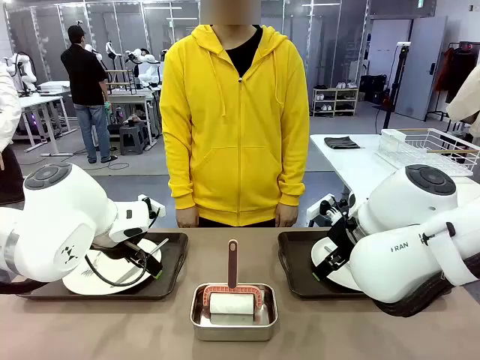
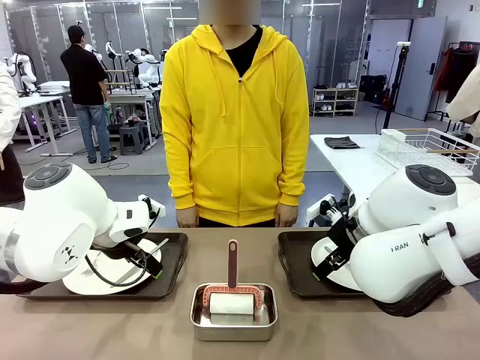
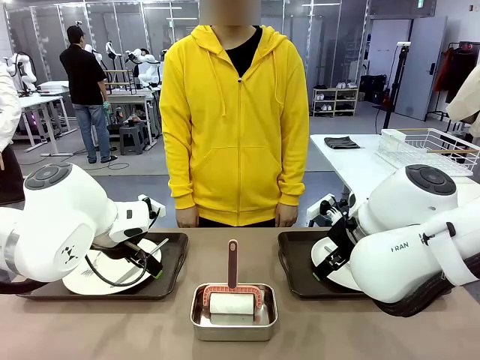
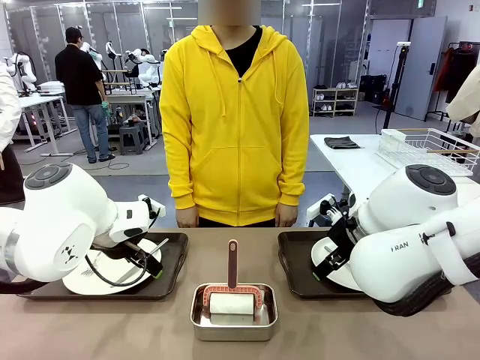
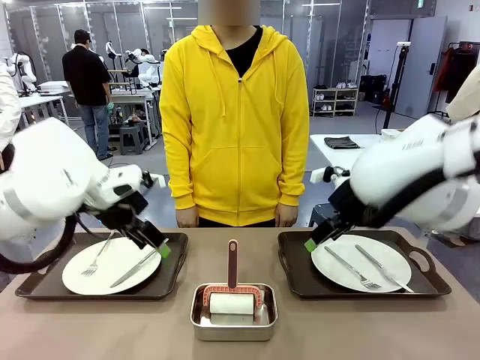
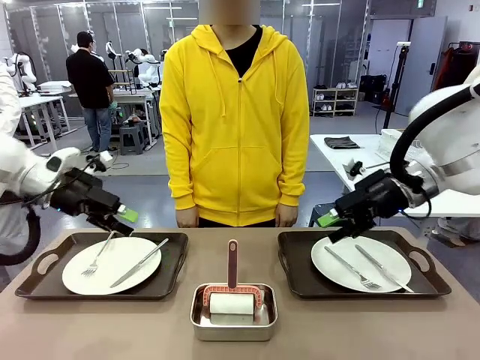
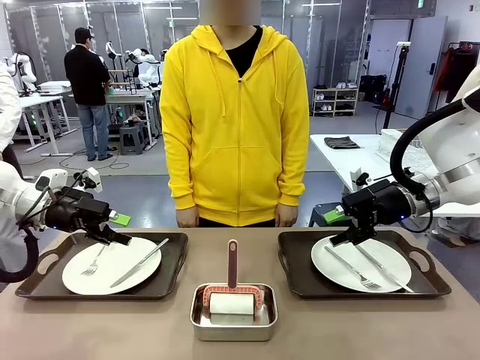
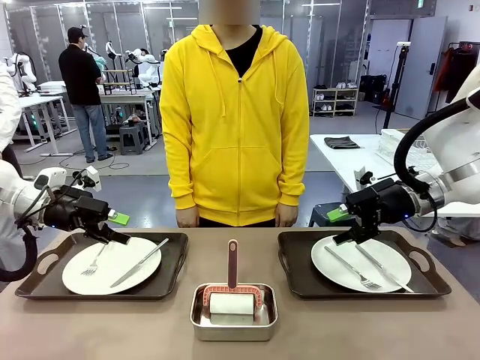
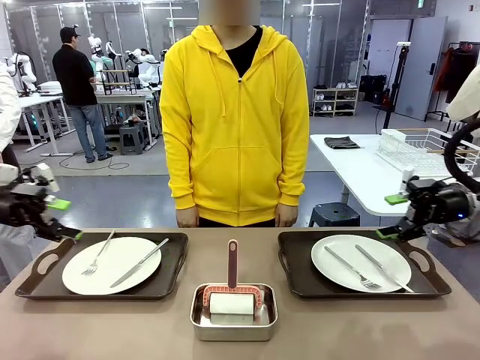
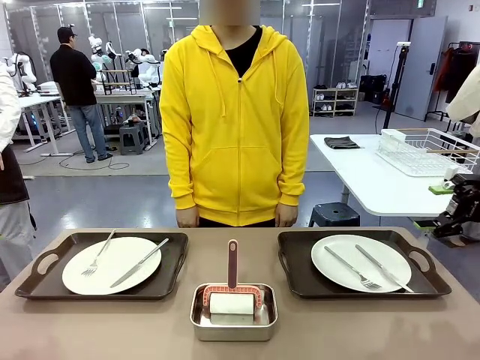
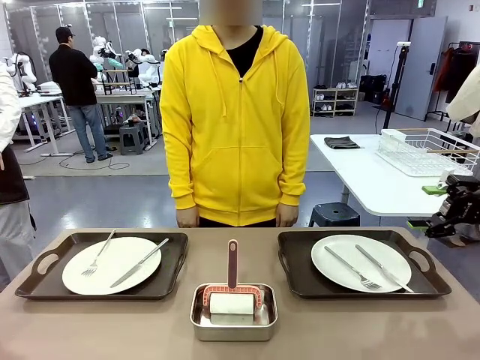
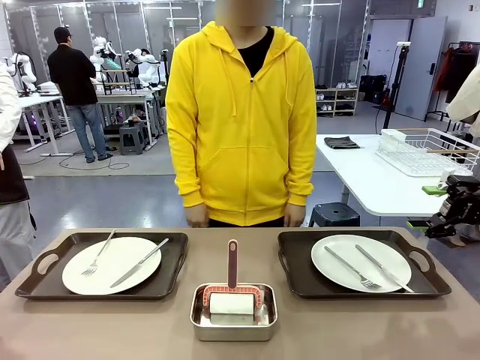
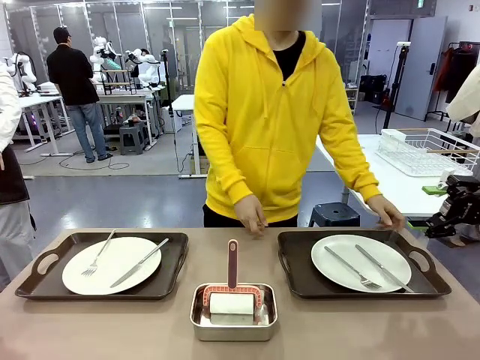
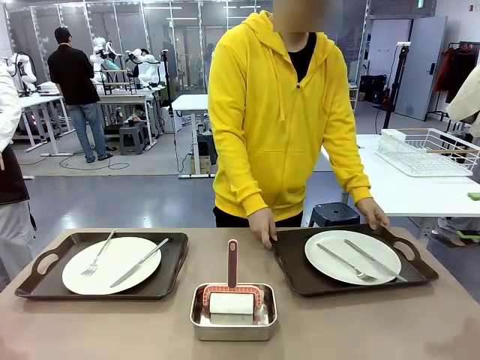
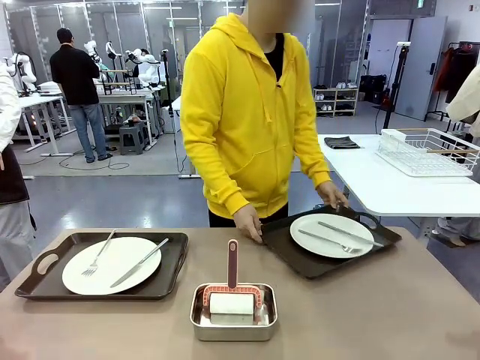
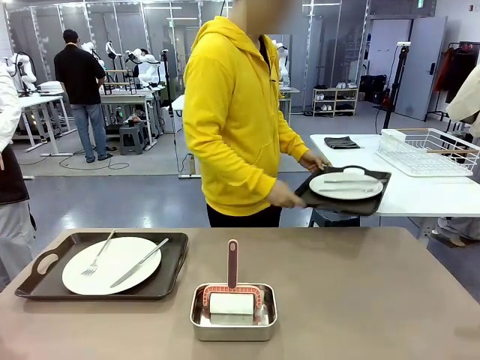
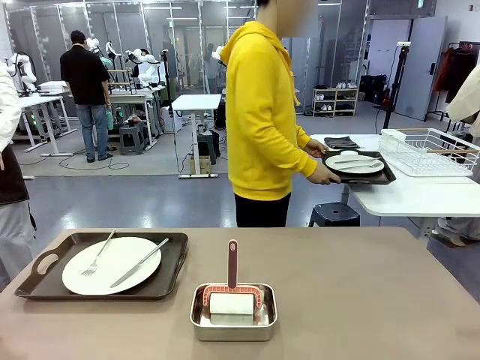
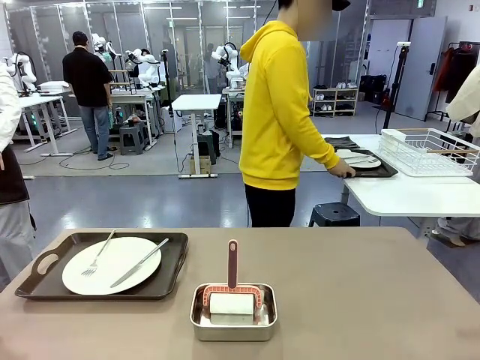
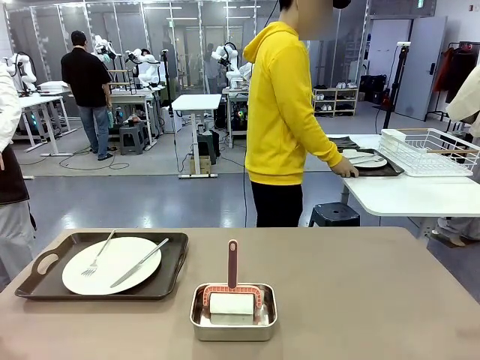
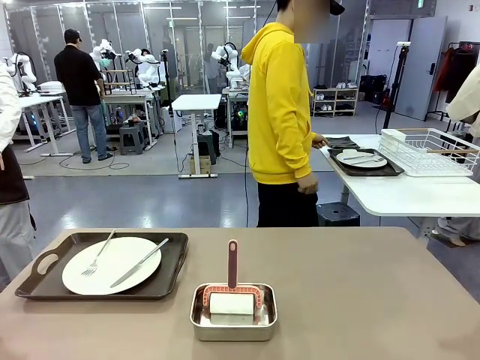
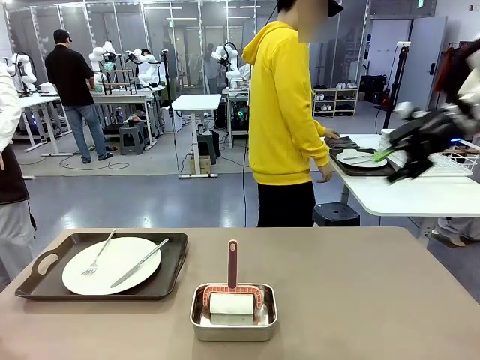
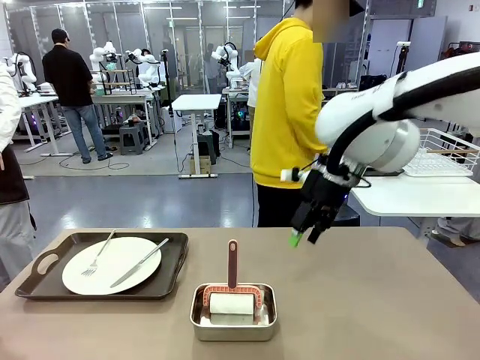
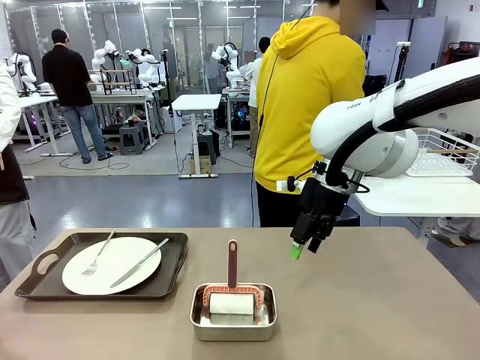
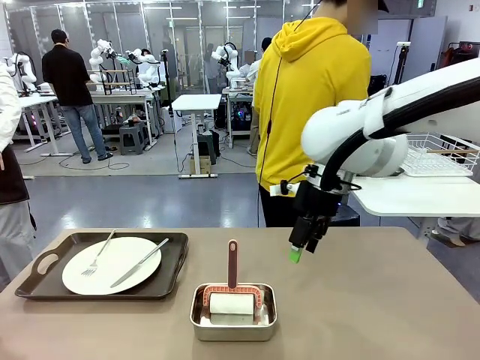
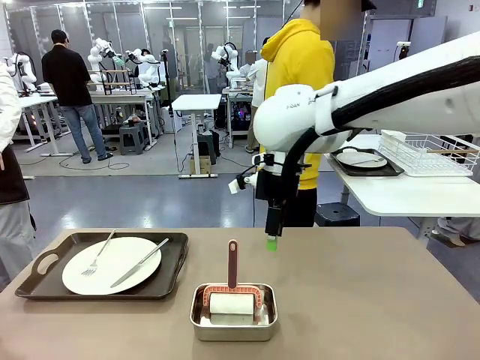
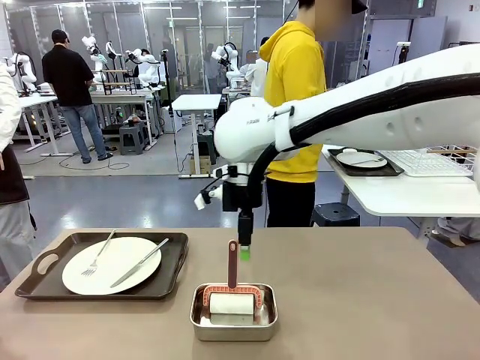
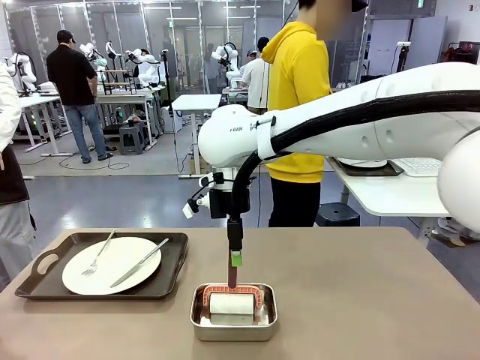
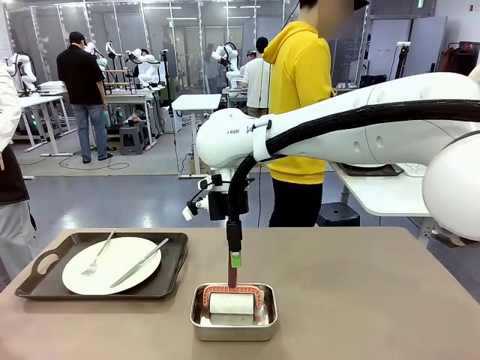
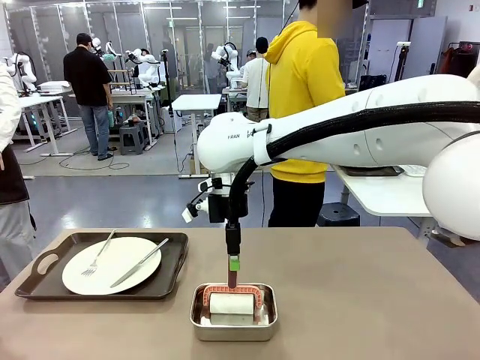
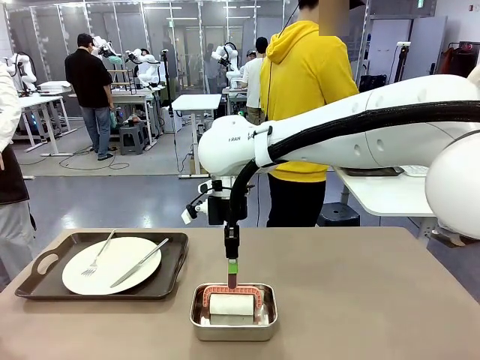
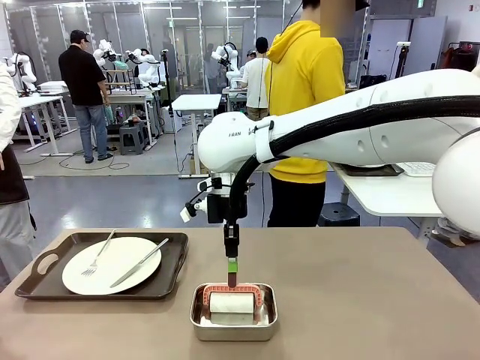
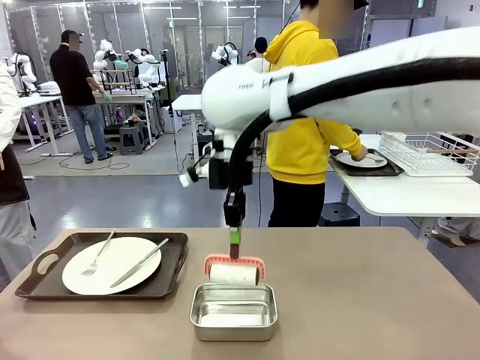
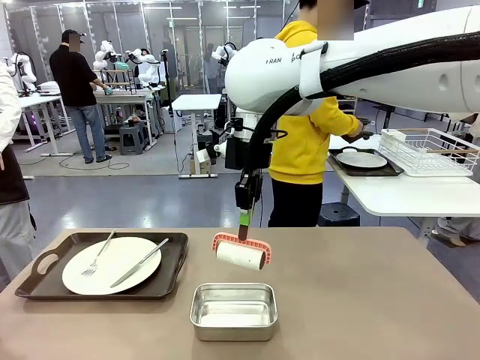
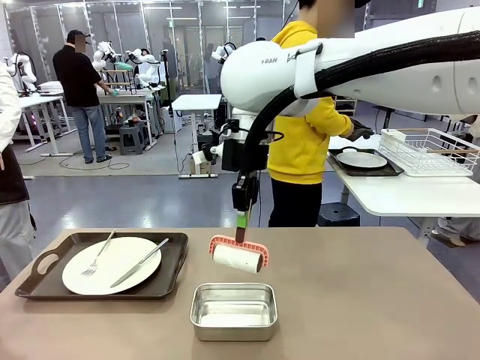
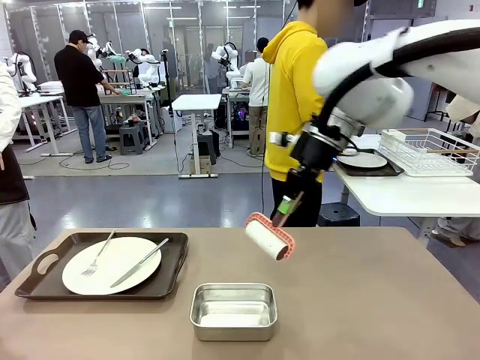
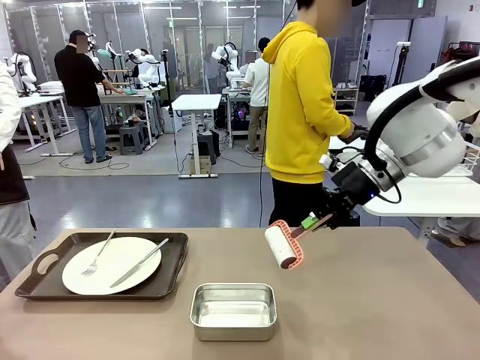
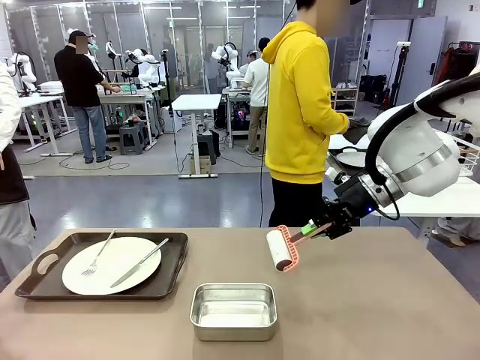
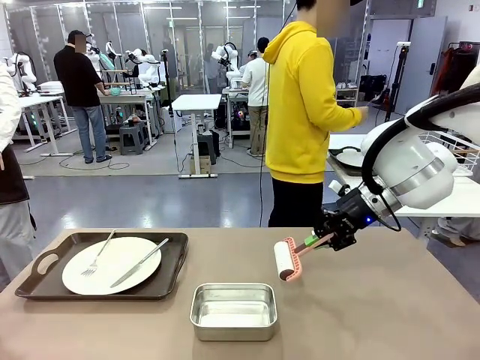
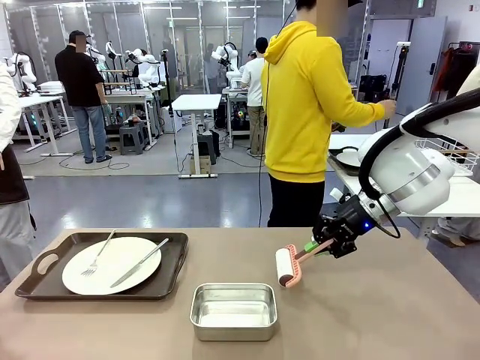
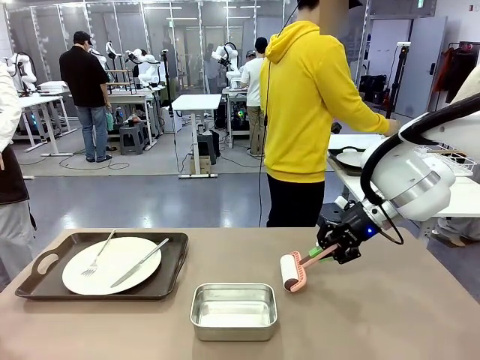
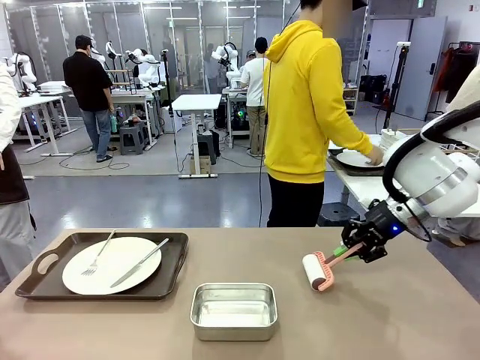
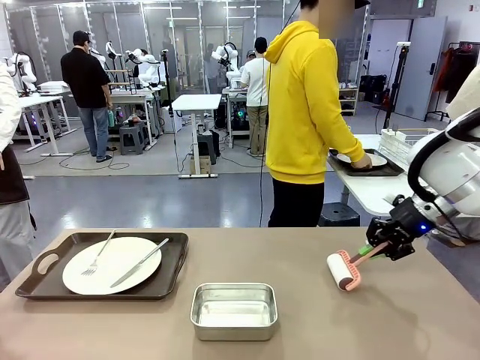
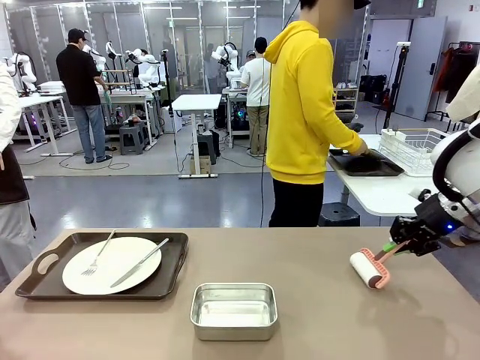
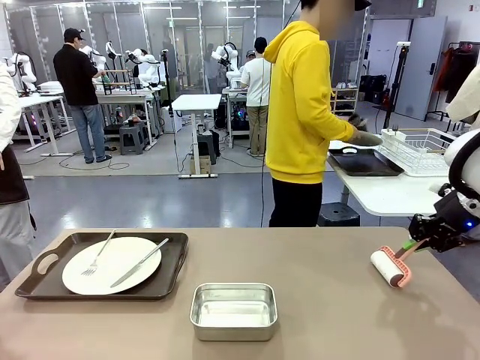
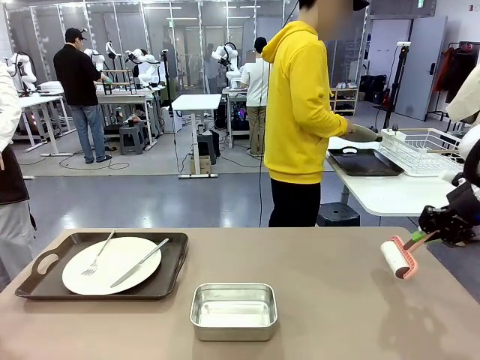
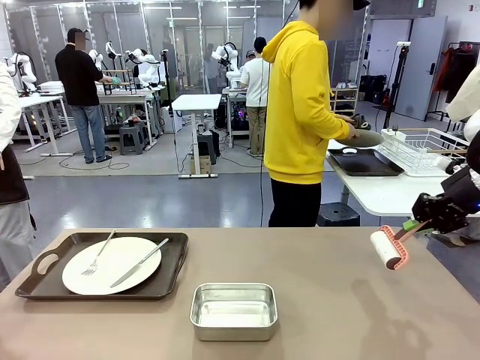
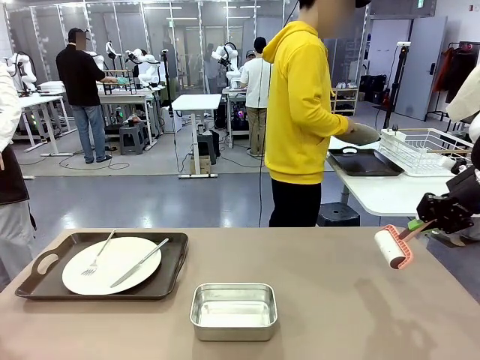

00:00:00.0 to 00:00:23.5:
Robot: When the left (or right) Handle tray is removed, use the left hand (or right hand) to clean the left (or right) side of the table with the Lint Roller.
Person: Pick up the left (or right) Handle tray and place it on the middle of the Human's table. Use the Towel with hook to wipe the Plastic Matte Plate , Fork , and Knife and place into the Dish drying rack.
